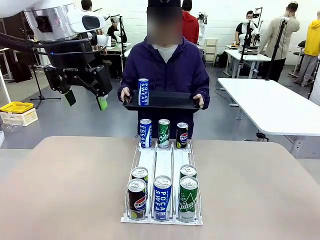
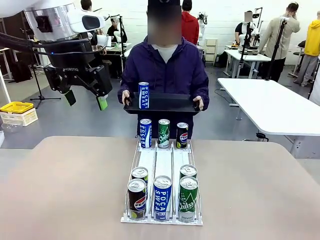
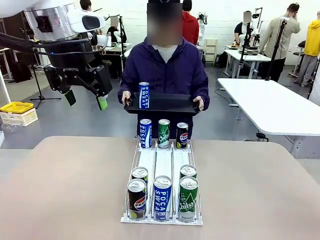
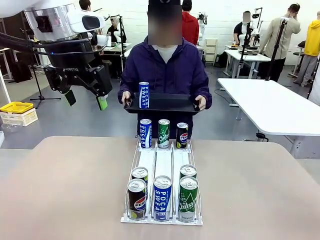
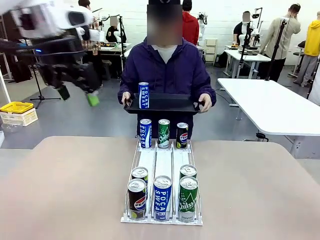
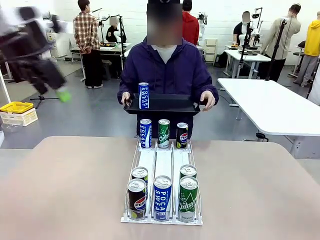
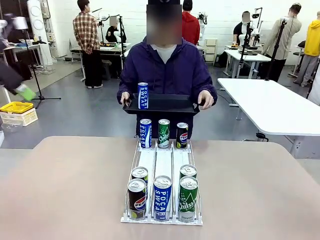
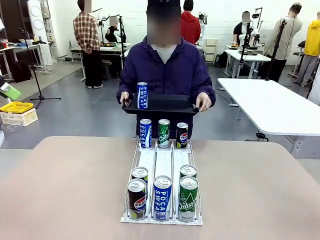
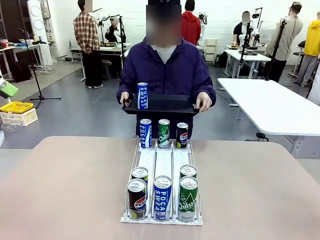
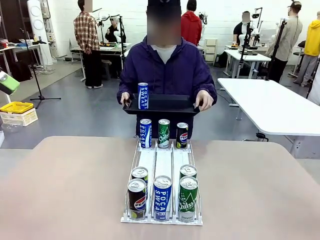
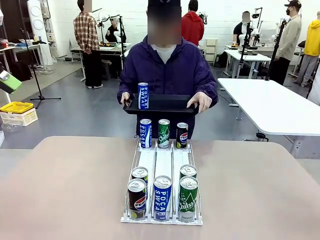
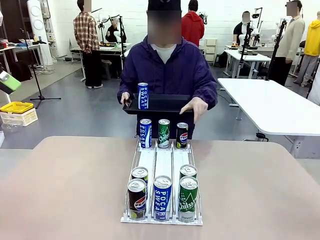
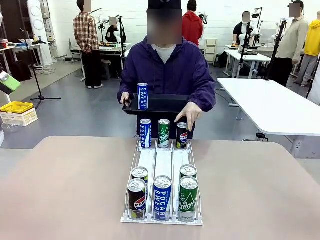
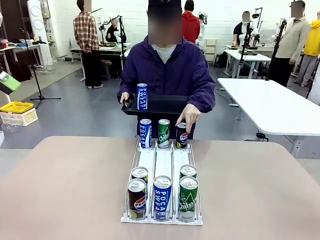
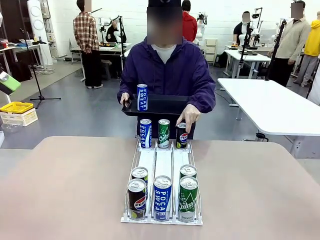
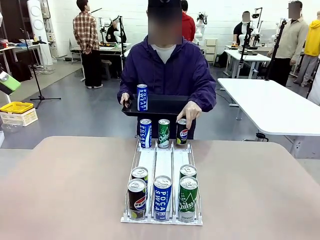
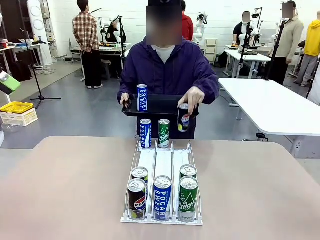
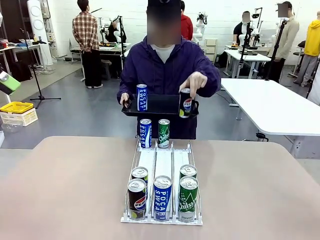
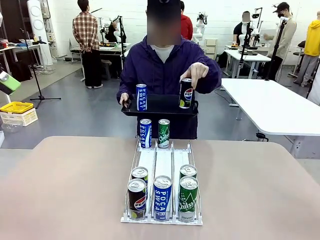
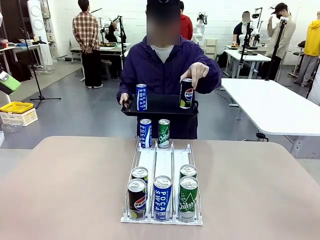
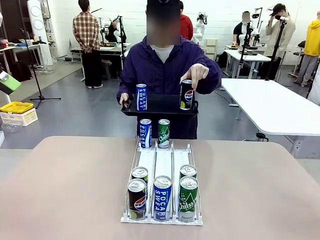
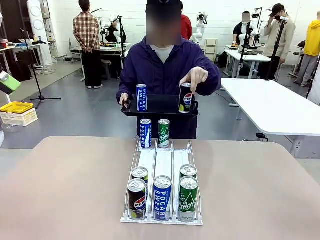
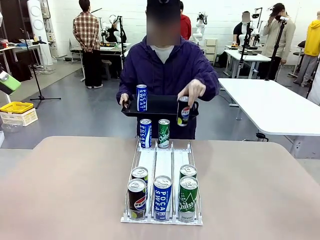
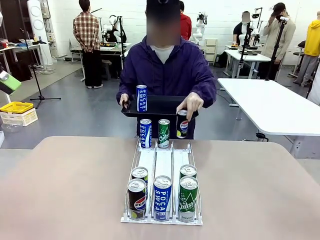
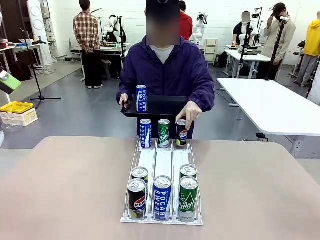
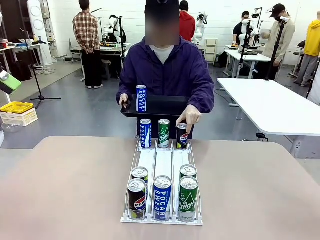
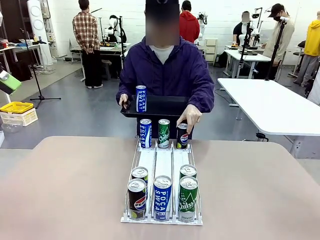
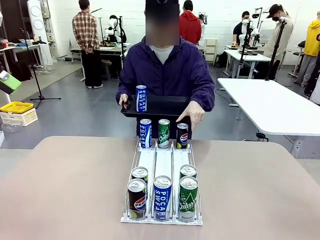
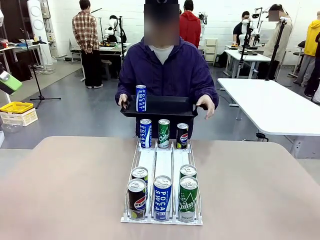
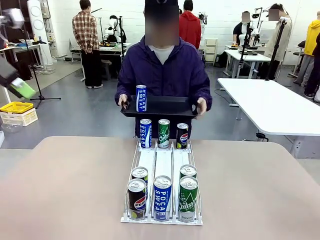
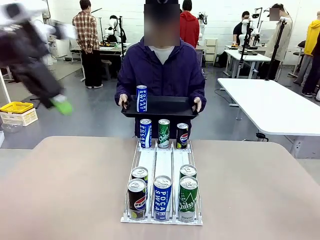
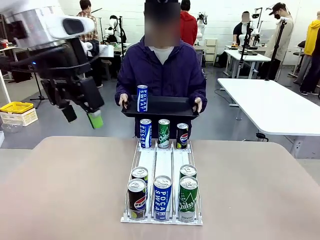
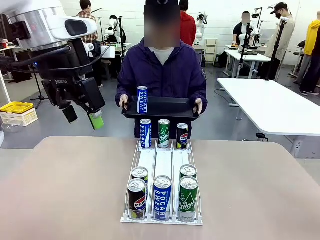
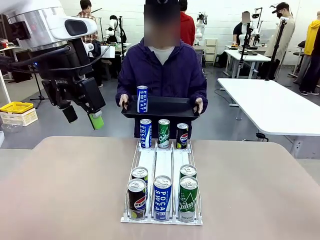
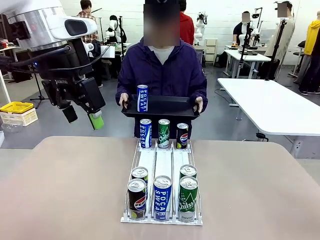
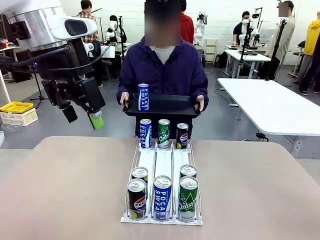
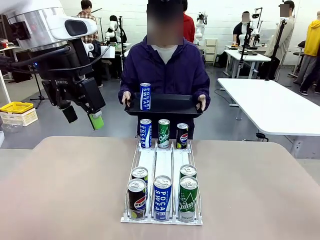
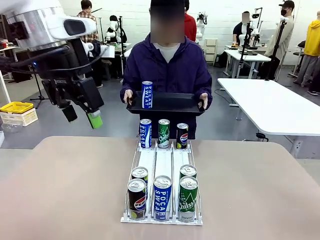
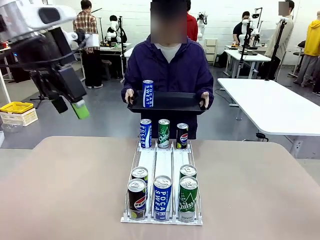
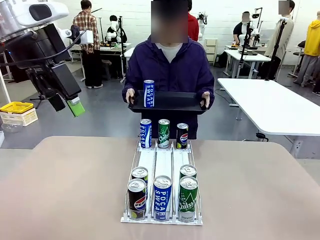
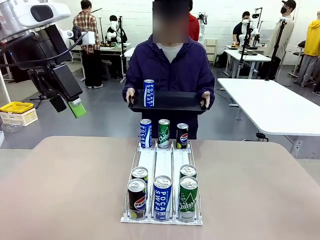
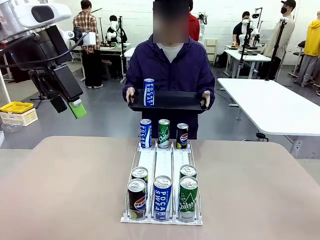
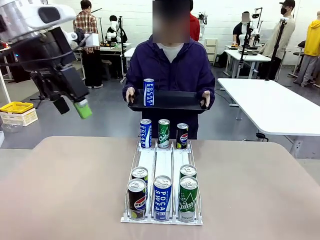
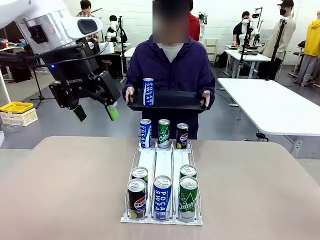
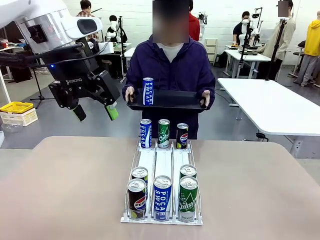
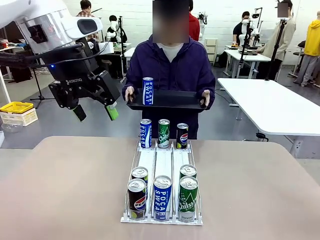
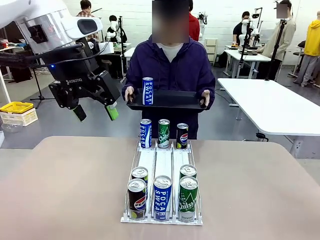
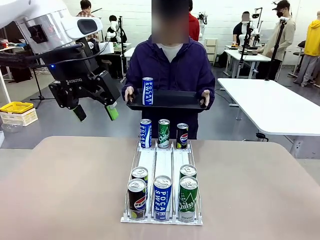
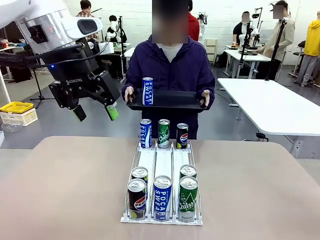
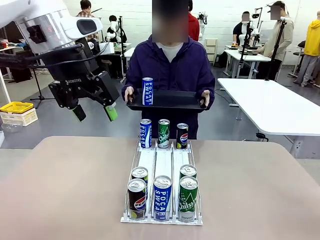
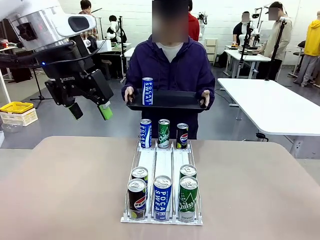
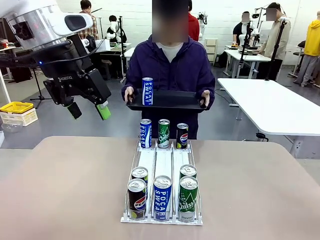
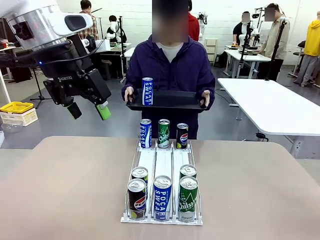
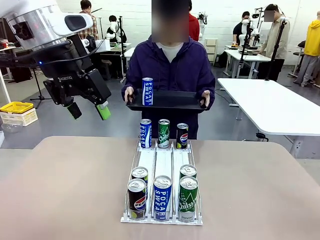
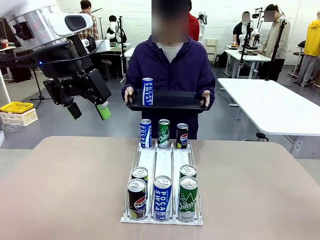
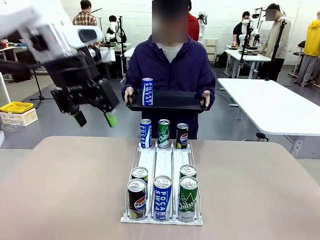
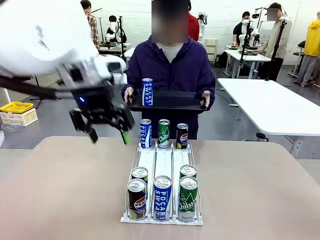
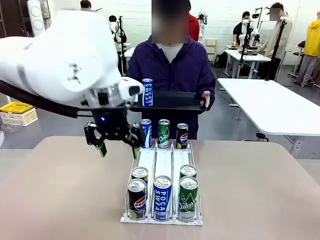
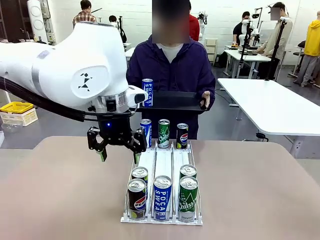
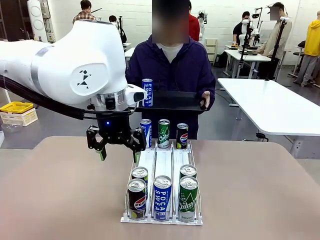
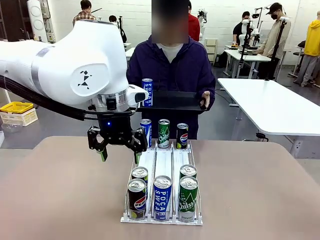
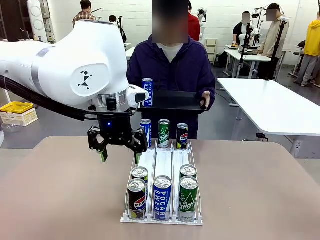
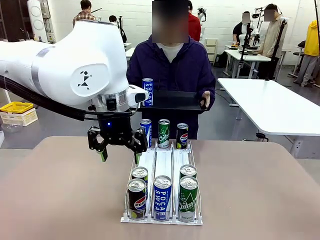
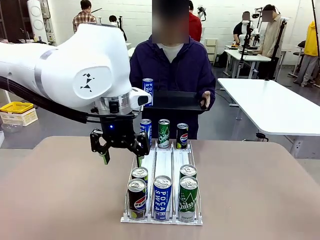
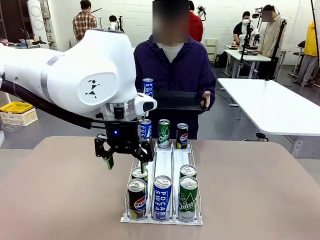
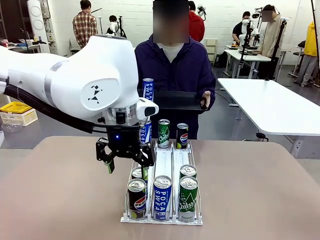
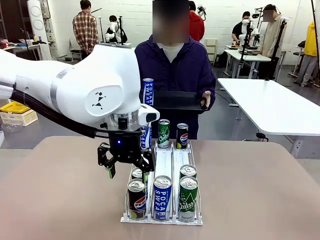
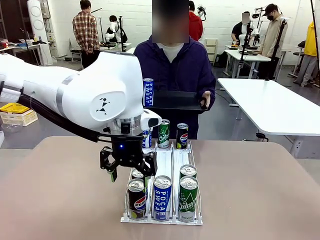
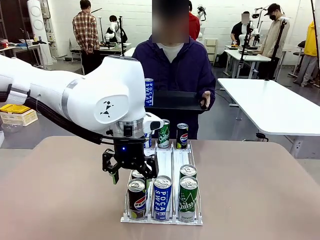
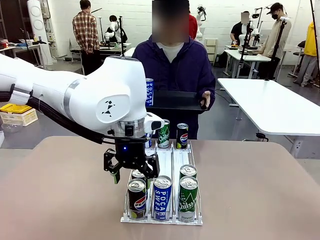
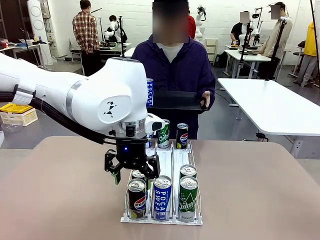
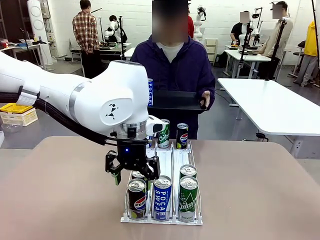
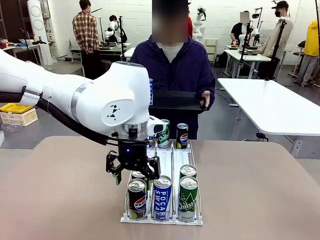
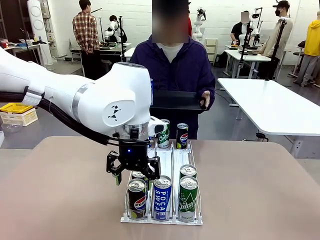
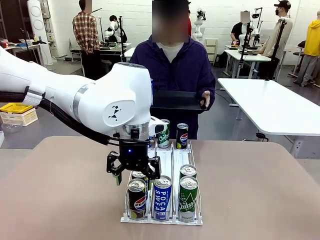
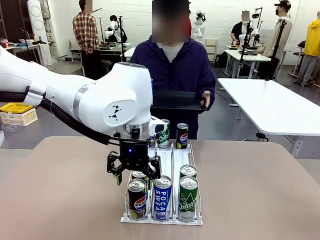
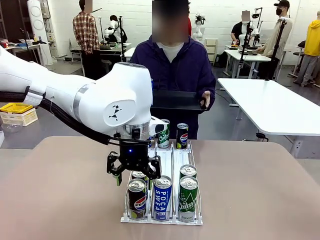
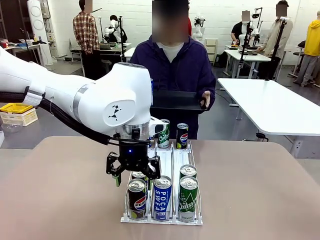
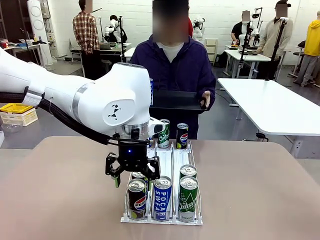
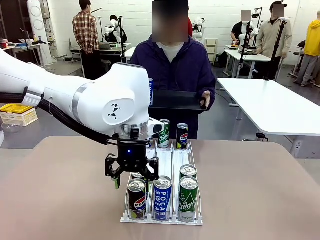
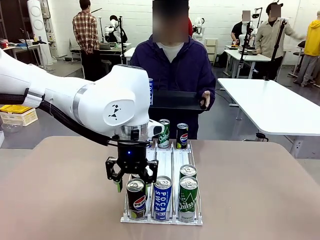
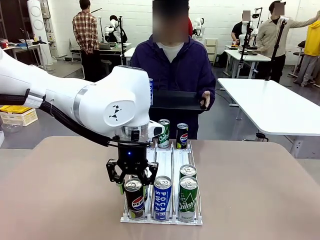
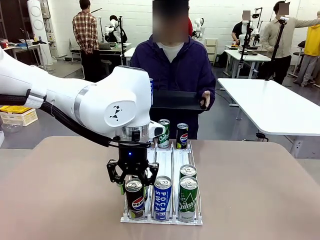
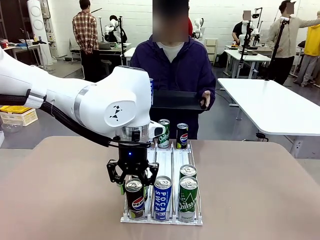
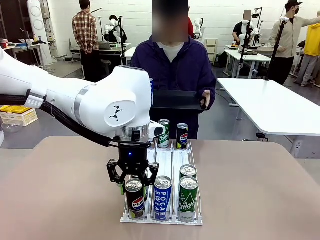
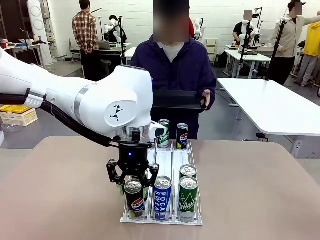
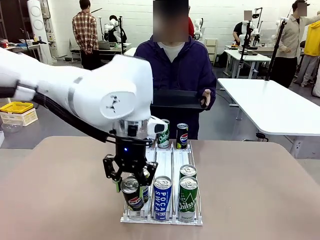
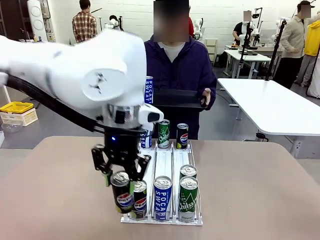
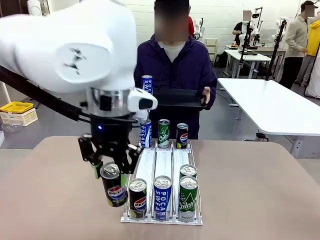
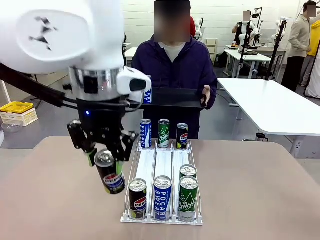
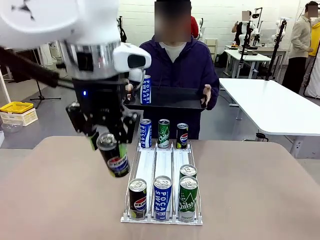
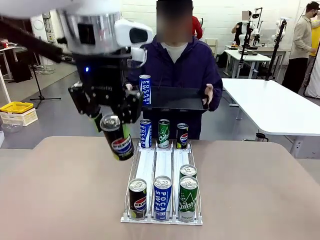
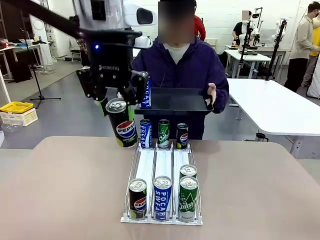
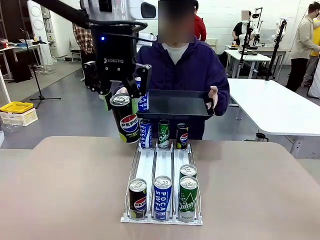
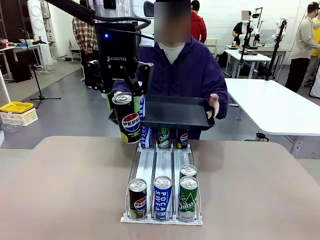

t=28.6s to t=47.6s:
Task: Retrieve and hand over the desired beverage to the person.
Robot: Pick up another can of the same type that the person held from the Automatic Can Dispenser.
Person: Pull the tray back, then pick up another can from the bottom area of the table and puts it back in its original place. Push the tray toward the robot again.

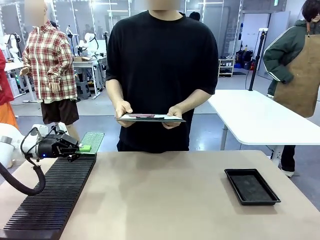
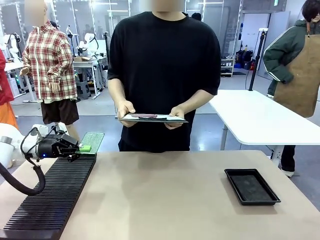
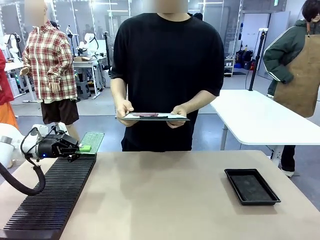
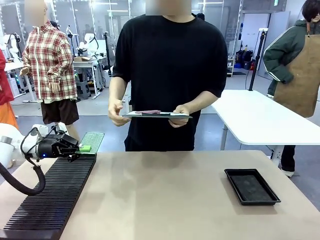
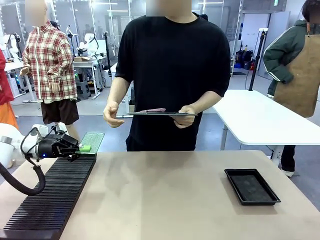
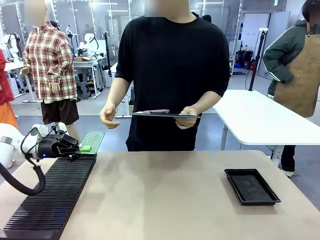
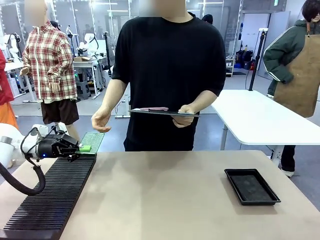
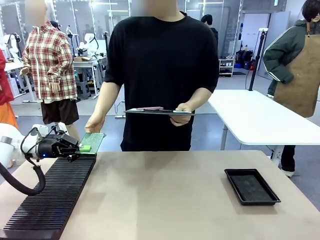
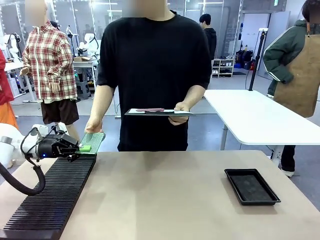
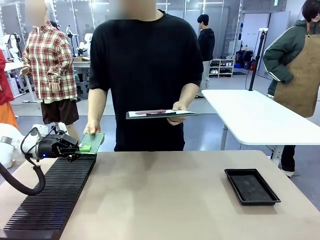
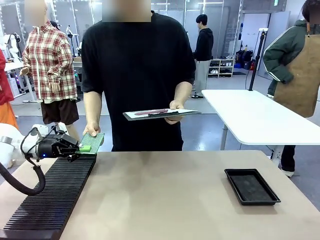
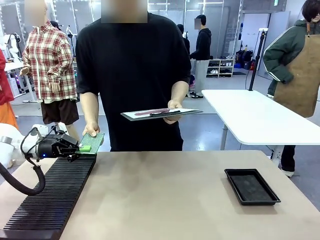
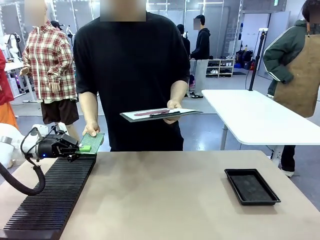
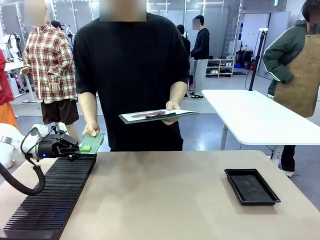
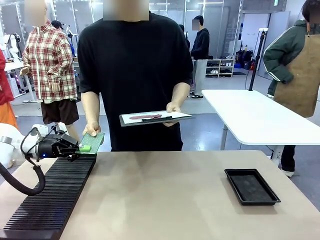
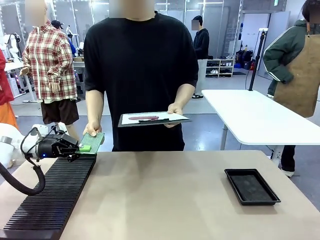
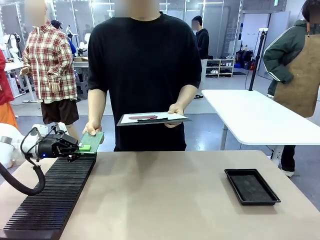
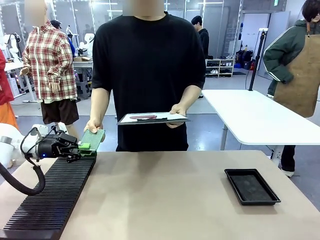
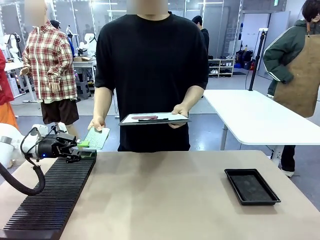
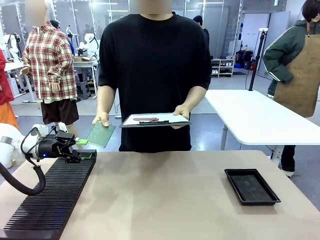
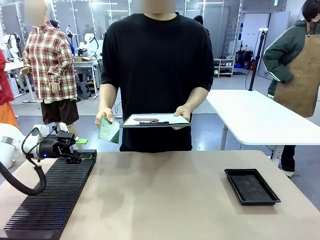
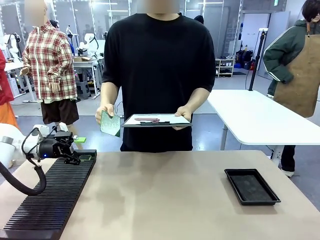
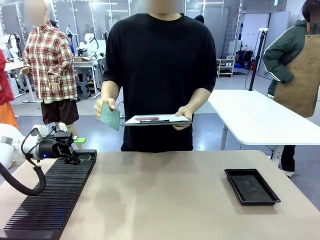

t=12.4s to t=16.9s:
Task: Inspect the PCB.
Robot: Release the Blank PCB you were holding.
